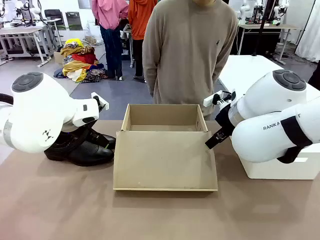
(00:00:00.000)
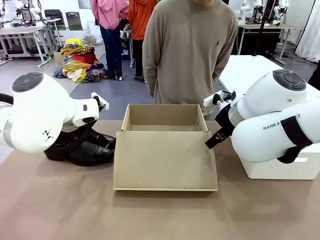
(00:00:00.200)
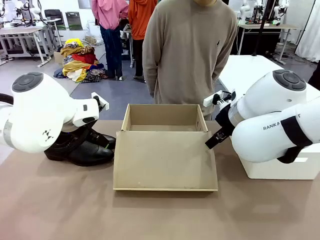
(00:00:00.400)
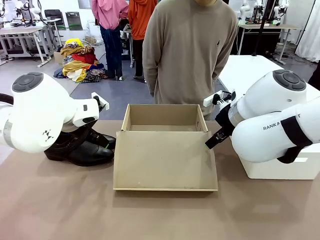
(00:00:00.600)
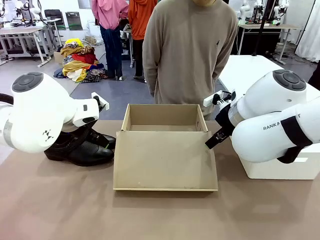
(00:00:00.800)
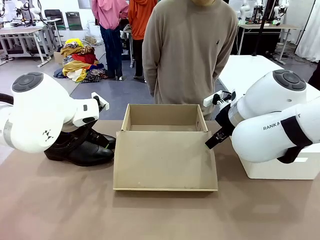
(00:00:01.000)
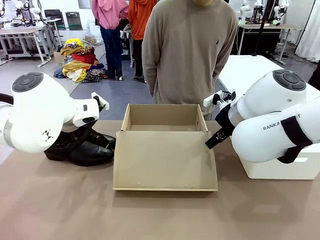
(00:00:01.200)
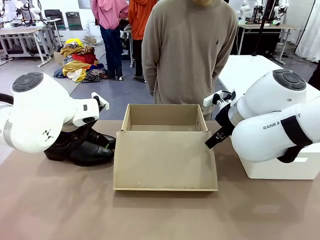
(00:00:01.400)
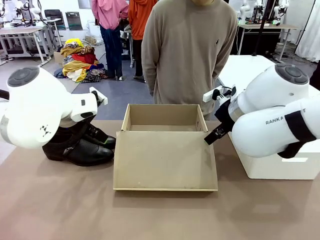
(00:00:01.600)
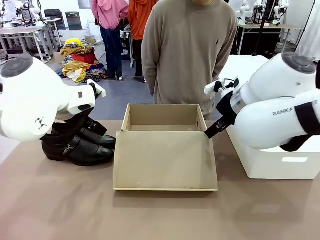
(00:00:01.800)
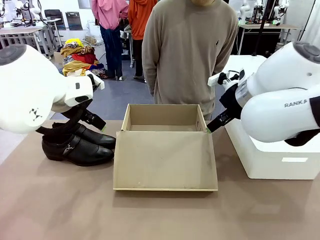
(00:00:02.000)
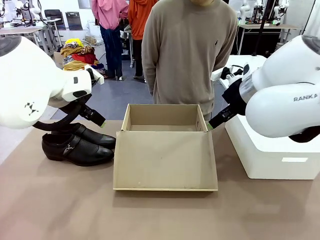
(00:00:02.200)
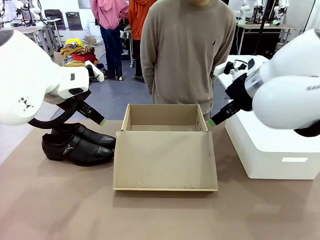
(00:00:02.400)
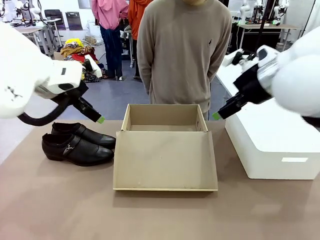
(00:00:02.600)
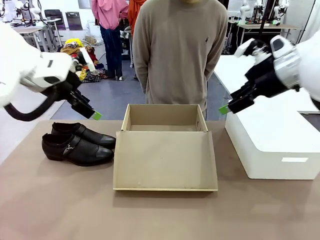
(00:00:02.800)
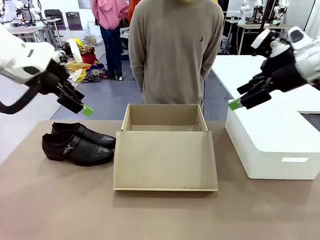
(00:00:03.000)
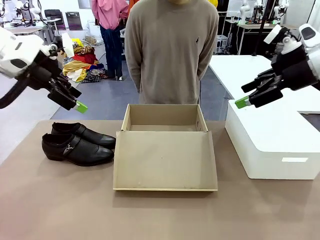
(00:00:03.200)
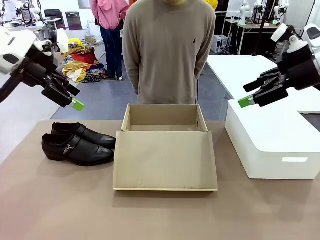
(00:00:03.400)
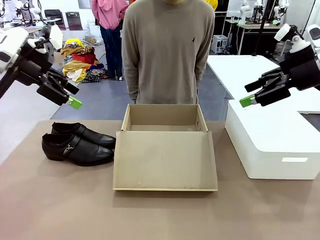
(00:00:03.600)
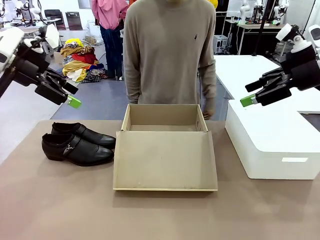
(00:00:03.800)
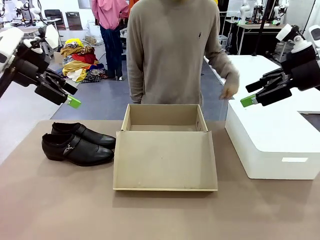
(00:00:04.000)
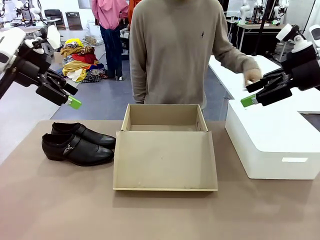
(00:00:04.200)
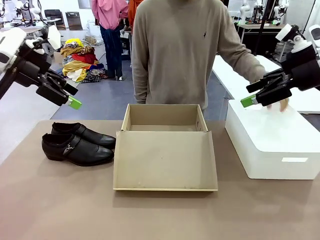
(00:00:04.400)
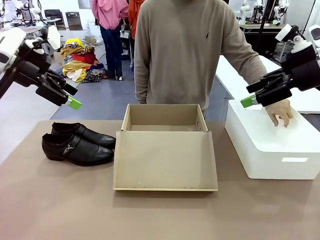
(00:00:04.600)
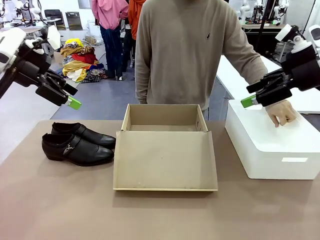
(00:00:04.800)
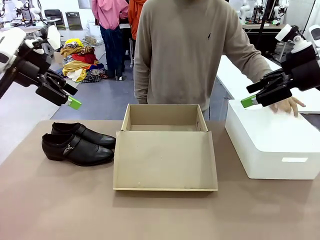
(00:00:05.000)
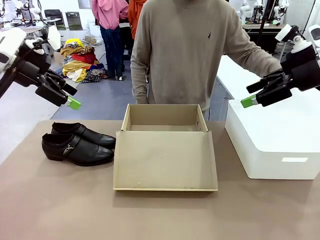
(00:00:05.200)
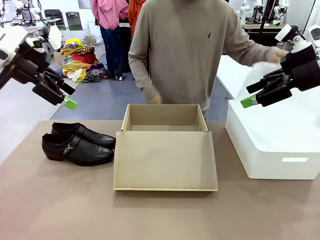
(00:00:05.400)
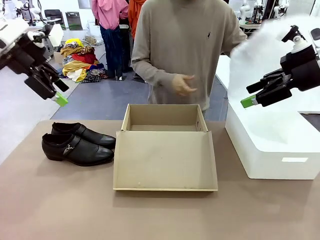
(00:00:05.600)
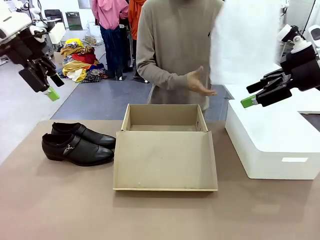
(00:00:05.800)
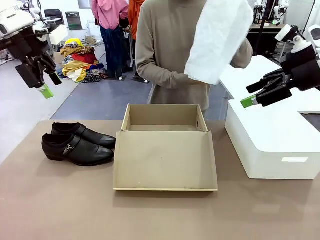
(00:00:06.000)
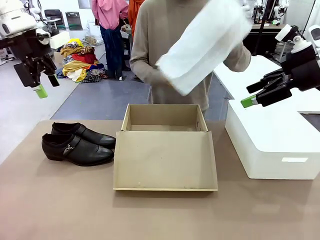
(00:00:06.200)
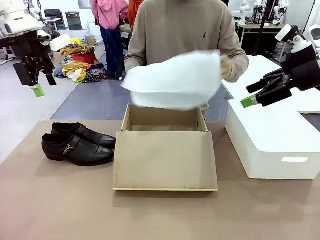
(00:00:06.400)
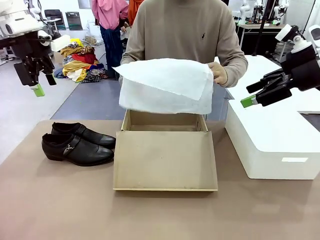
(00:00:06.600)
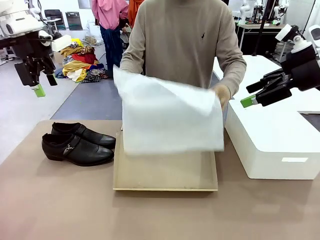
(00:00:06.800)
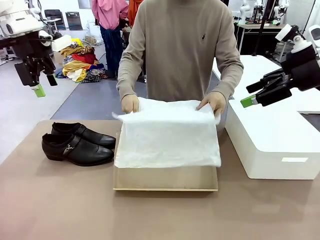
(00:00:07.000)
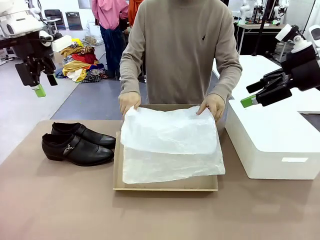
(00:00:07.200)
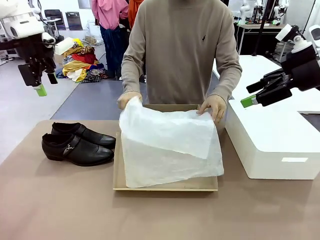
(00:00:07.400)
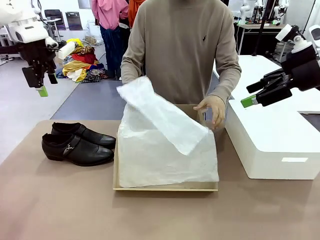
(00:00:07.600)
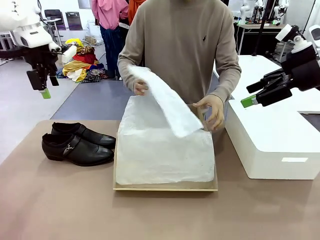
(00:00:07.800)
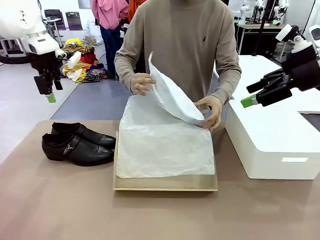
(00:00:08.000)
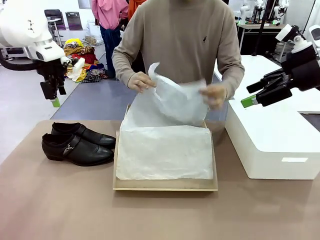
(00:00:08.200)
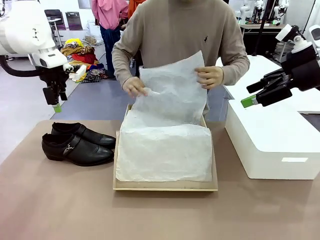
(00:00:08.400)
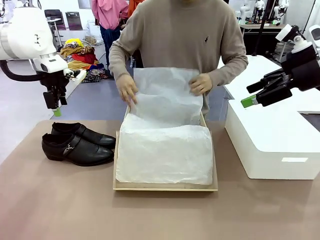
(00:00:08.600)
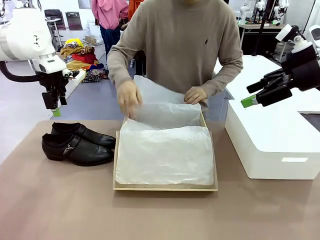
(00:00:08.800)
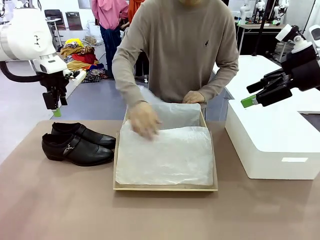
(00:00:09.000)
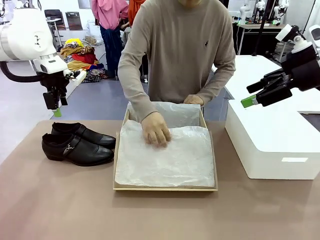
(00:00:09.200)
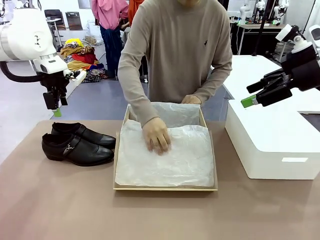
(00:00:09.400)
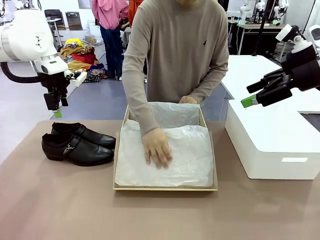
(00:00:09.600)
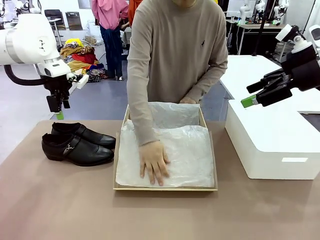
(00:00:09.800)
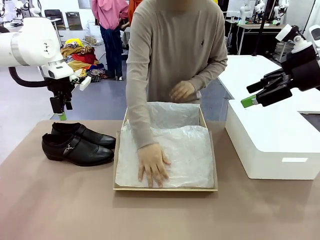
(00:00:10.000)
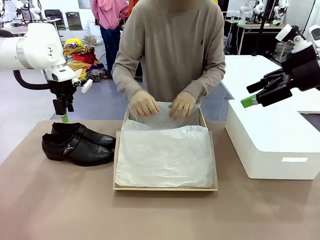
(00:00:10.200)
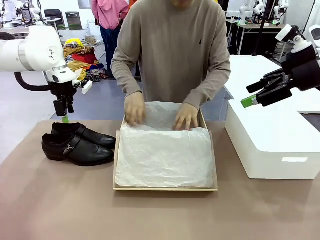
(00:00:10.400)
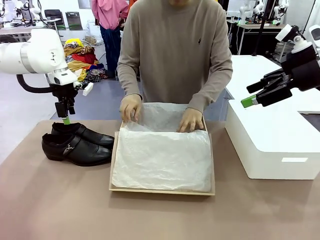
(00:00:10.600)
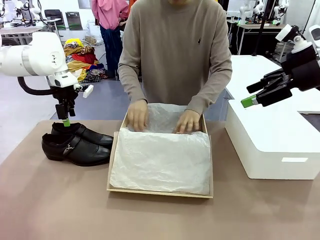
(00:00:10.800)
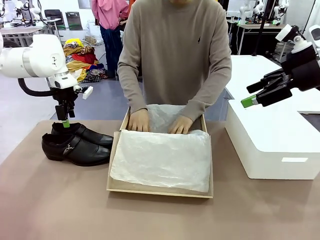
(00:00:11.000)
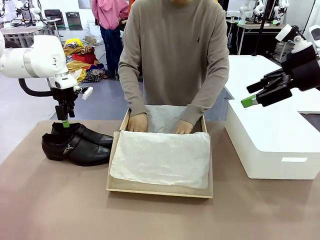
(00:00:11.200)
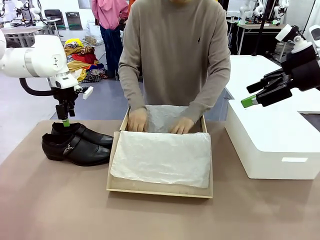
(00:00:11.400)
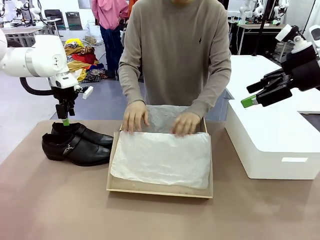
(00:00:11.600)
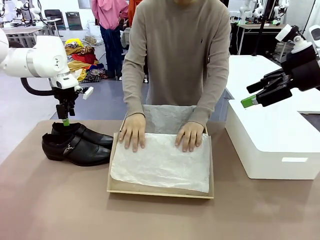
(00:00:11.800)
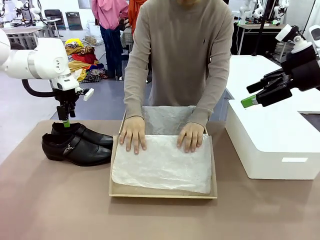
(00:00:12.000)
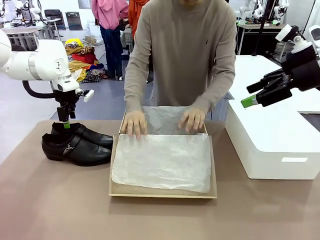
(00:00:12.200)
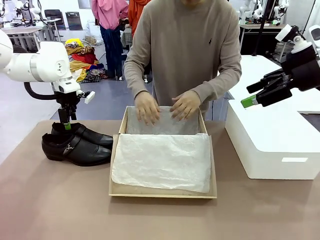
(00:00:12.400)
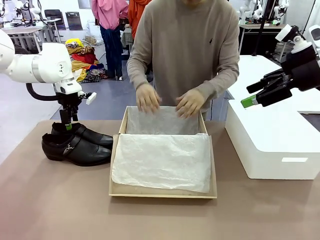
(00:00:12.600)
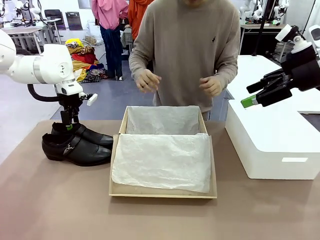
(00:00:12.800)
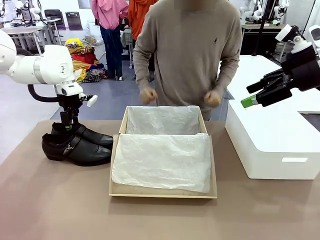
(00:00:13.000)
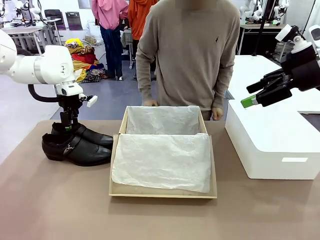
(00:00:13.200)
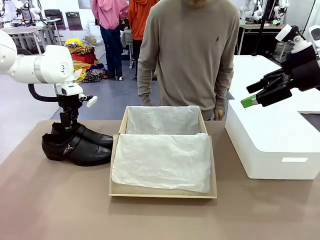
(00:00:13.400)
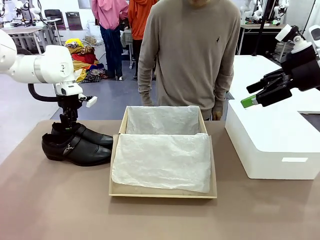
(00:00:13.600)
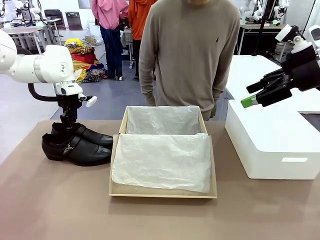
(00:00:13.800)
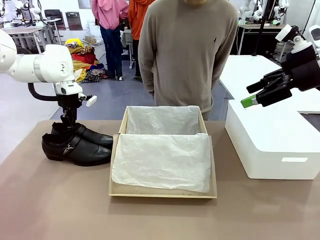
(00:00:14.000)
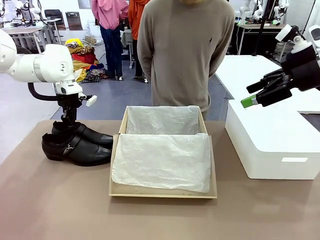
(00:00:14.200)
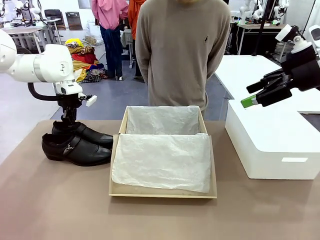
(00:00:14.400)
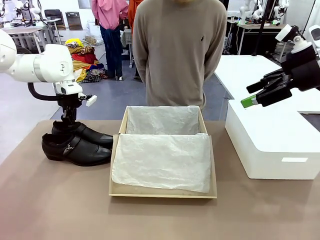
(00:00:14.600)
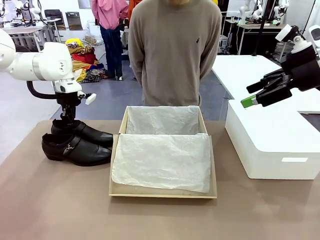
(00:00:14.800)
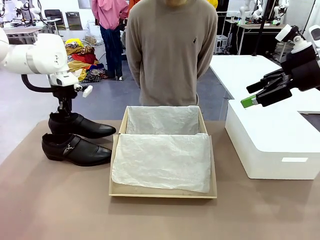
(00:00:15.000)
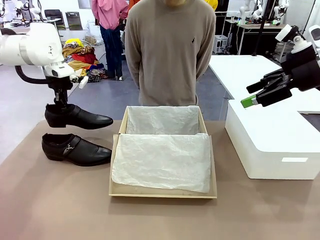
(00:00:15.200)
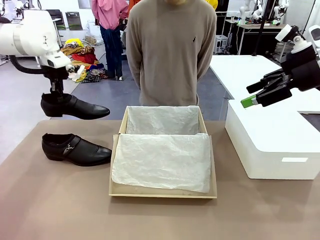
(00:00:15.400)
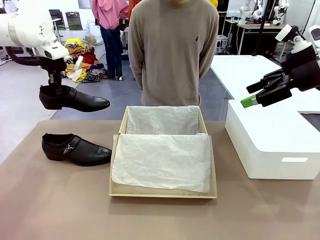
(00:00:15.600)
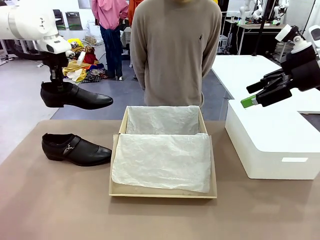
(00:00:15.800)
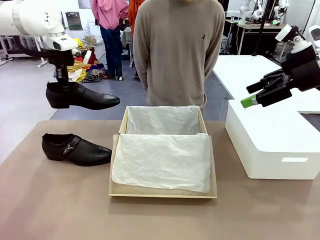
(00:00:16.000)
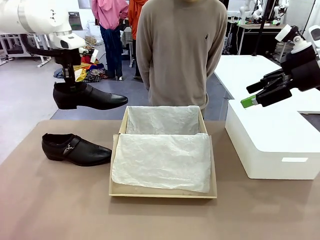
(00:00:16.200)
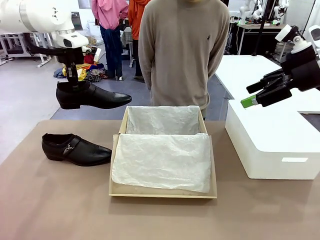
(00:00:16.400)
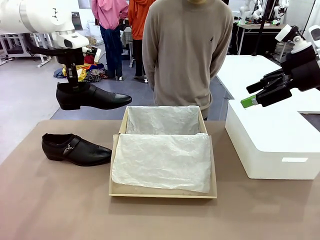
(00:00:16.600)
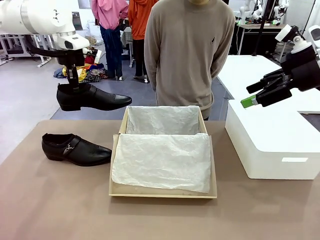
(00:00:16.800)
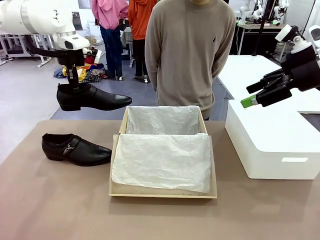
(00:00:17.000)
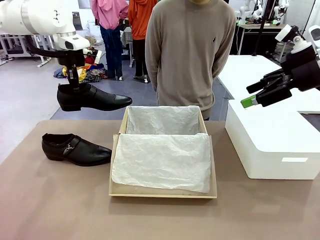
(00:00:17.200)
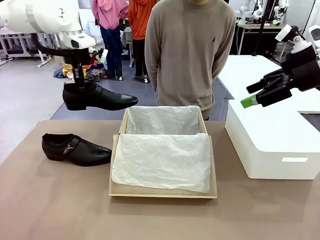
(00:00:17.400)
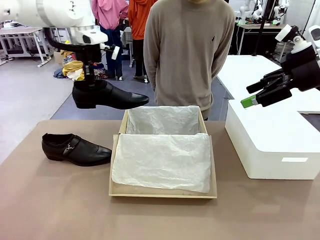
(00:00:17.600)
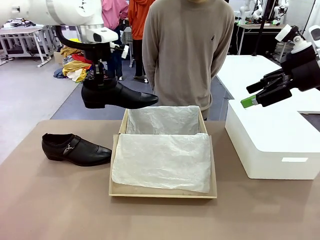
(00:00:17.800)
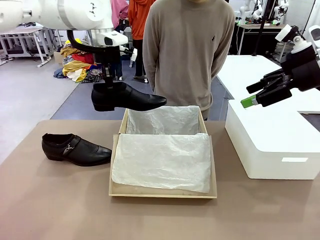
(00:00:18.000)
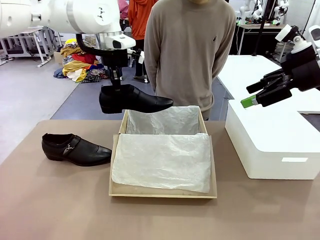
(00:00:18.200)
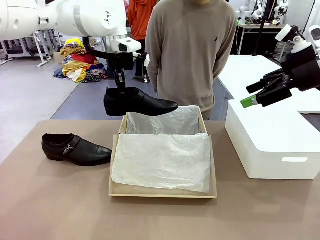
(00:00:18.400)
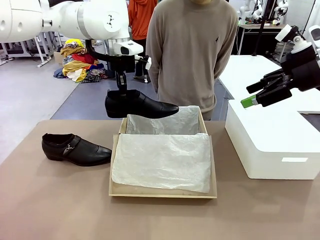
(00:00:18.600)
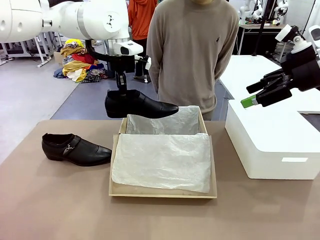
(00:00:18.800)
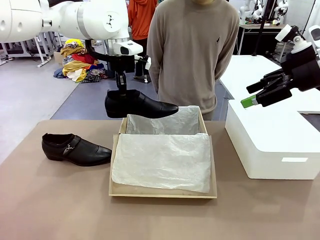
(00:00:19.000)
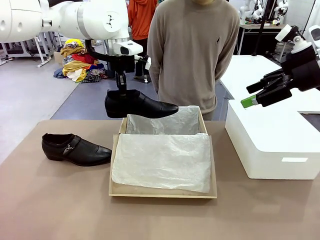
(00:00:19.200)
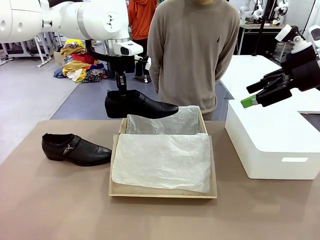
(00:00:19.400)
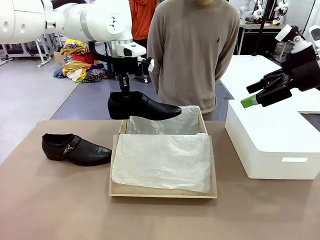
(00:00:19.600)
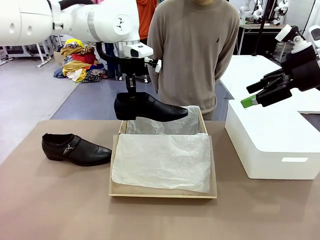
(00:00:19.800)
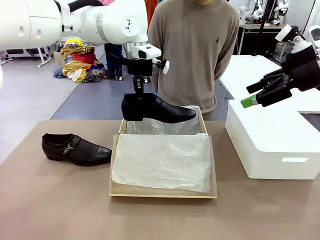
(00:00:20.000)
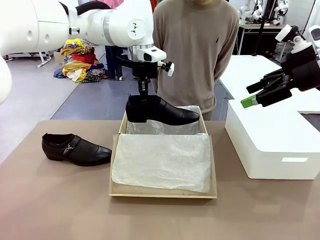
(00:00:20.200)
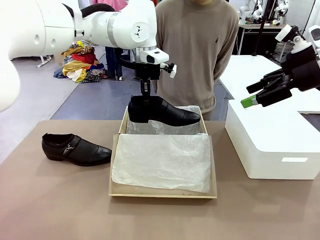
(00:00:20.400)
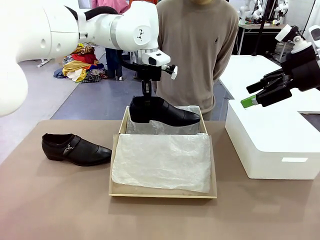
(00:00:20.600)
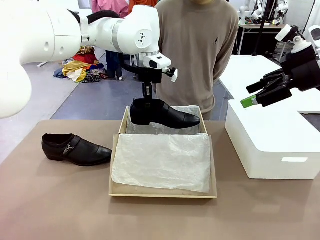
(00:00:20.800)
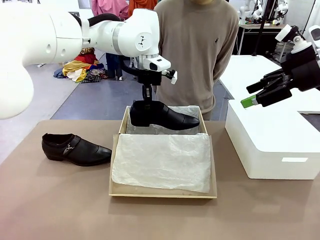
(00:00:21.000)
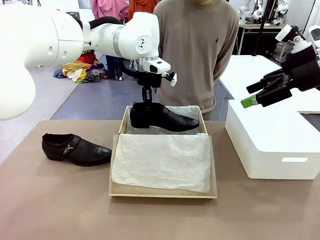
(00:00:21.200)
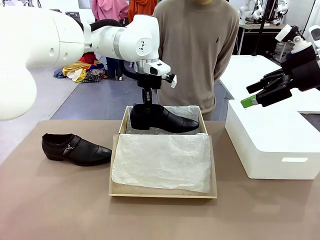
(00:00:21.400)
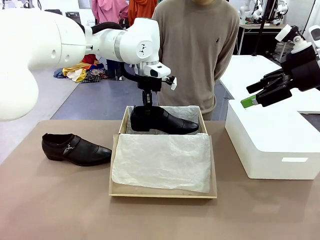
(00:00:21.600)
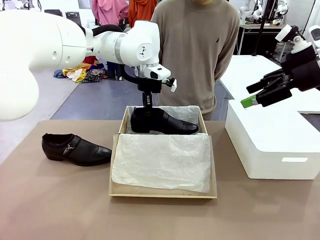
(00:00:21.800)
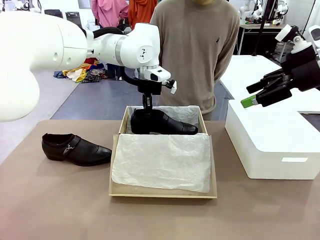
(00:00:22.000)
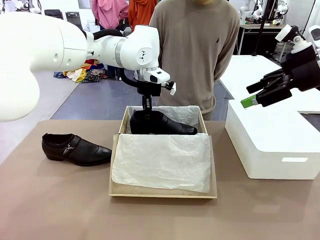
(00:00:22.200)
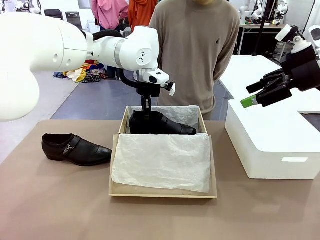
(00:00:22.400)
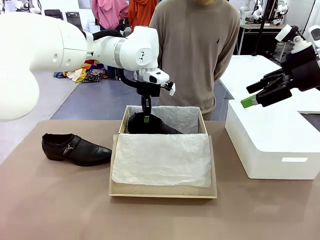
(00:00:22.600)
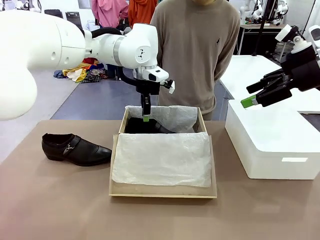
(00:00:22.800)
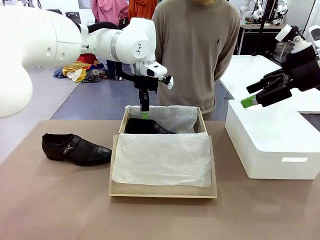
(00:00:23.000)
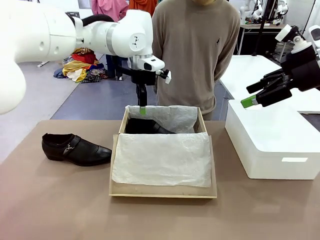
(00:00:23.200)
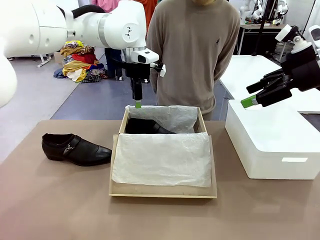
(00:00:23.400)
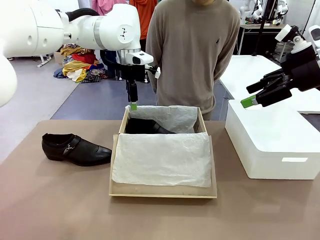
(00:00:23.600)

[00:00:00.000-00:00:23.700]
Task: Pack the shoes into the box.
Robot: Place one shoe of the Shoes into the Shoes Box.
Person: Spread Shoes Wrapping Paper and place inside the Shoes Box.
